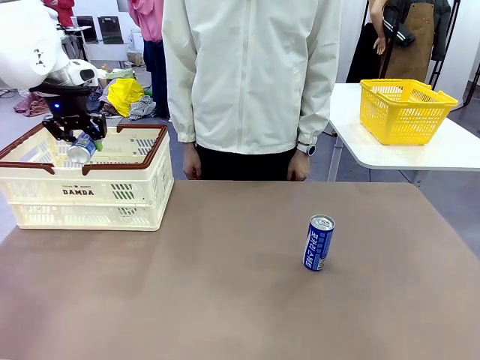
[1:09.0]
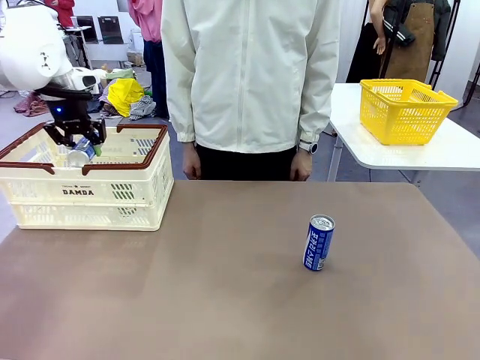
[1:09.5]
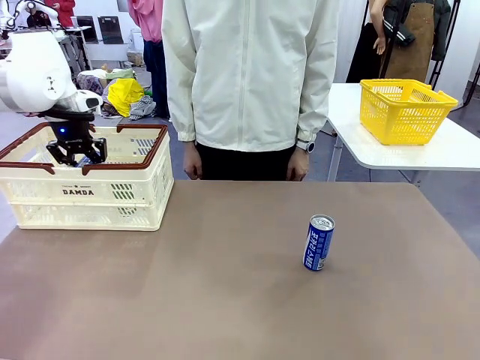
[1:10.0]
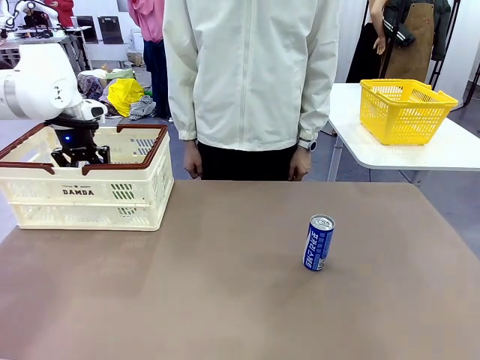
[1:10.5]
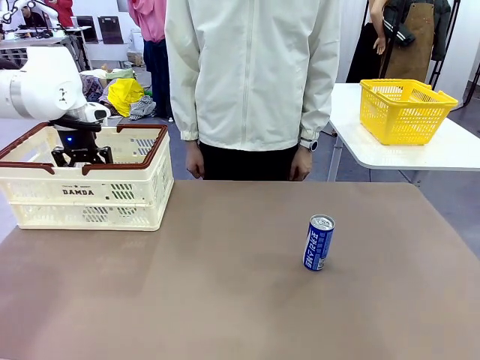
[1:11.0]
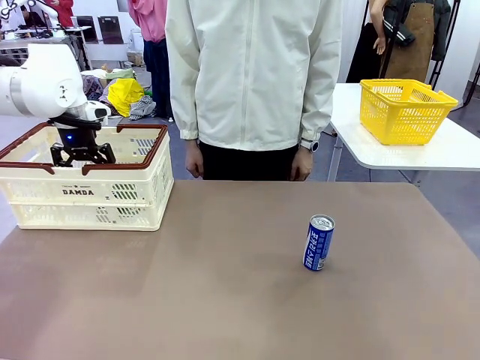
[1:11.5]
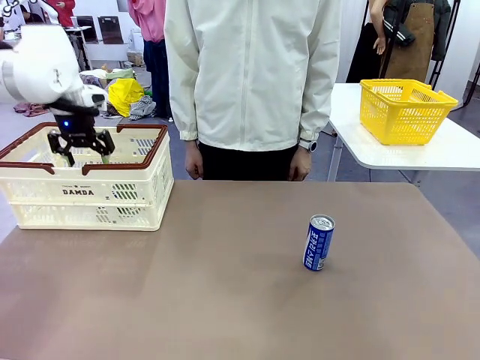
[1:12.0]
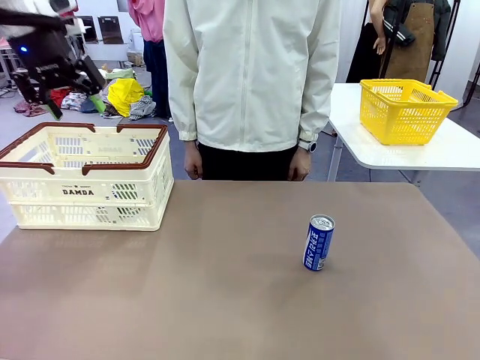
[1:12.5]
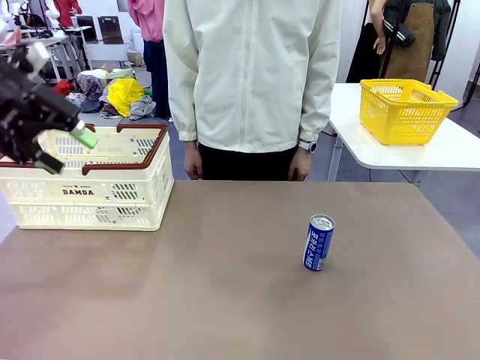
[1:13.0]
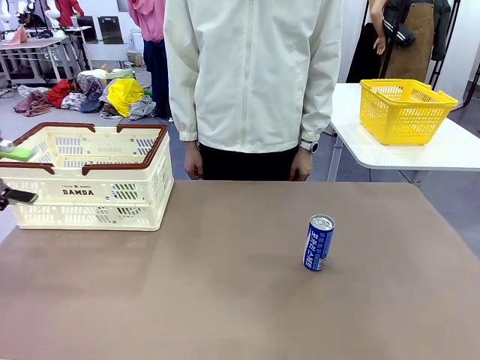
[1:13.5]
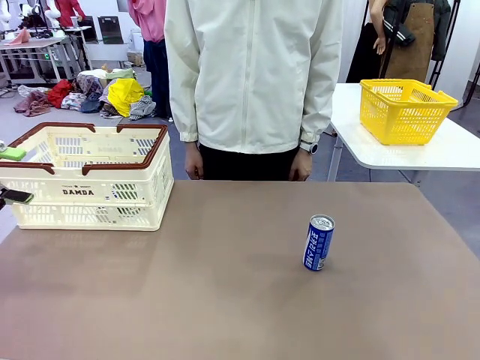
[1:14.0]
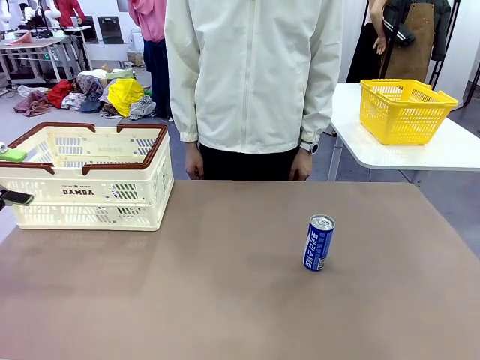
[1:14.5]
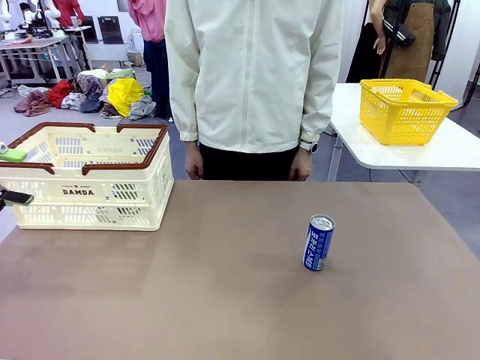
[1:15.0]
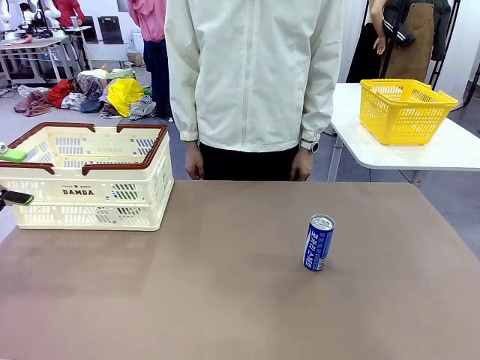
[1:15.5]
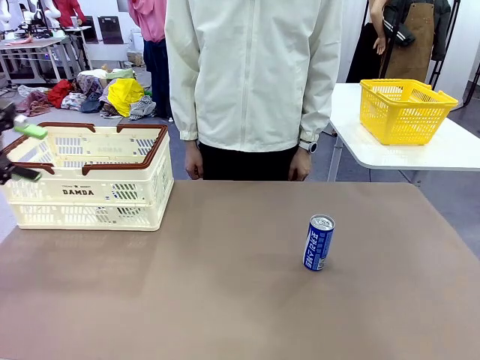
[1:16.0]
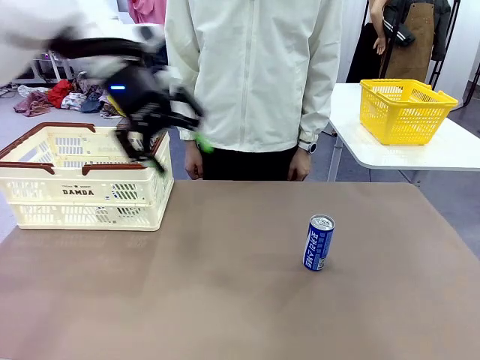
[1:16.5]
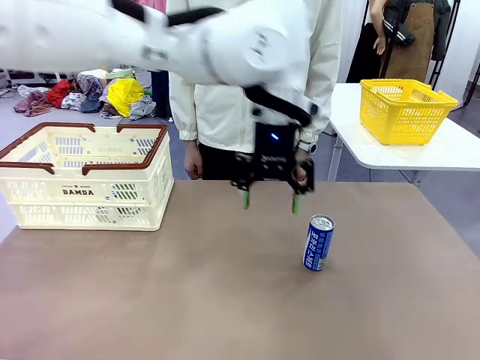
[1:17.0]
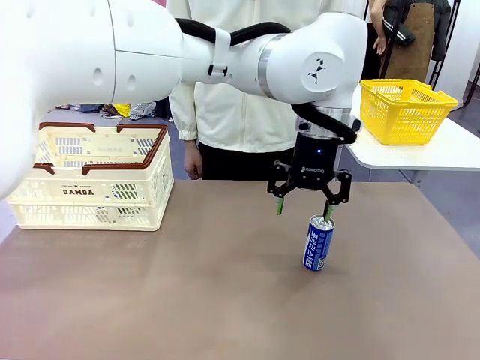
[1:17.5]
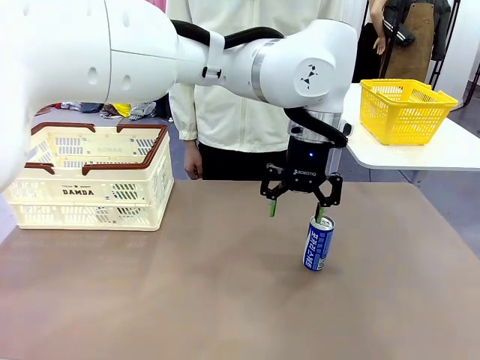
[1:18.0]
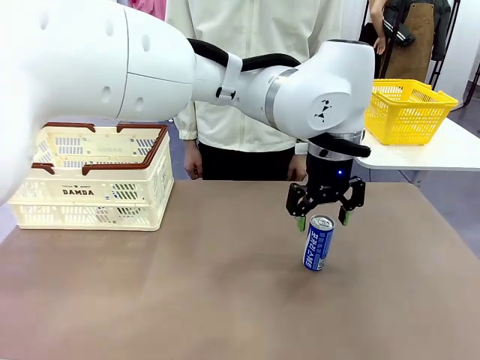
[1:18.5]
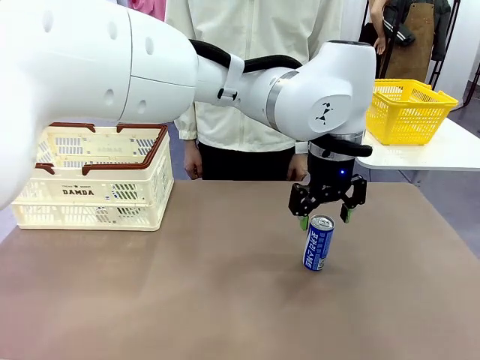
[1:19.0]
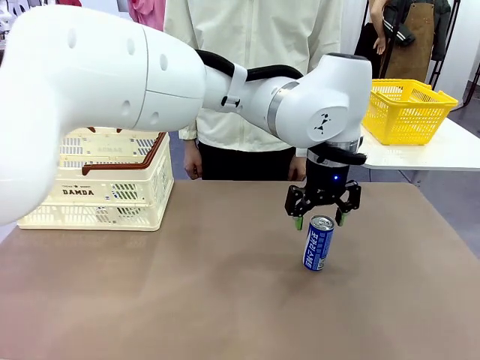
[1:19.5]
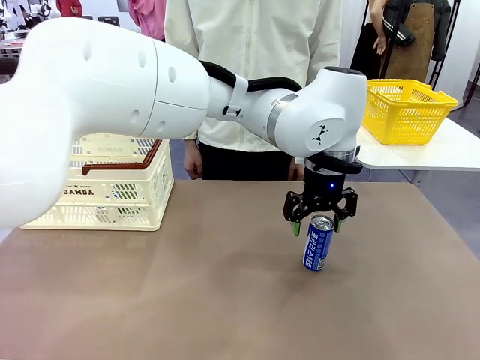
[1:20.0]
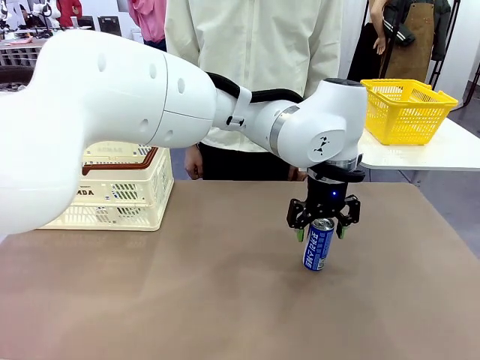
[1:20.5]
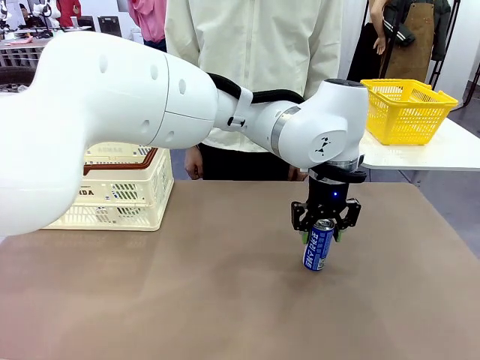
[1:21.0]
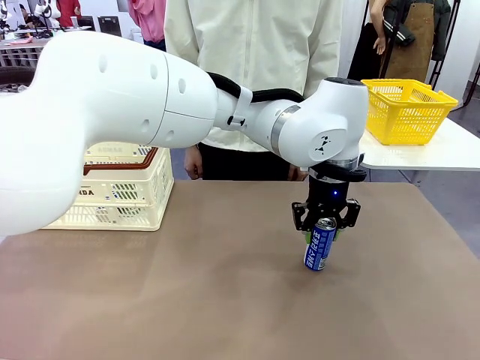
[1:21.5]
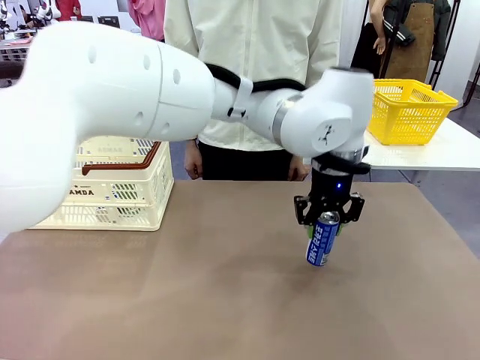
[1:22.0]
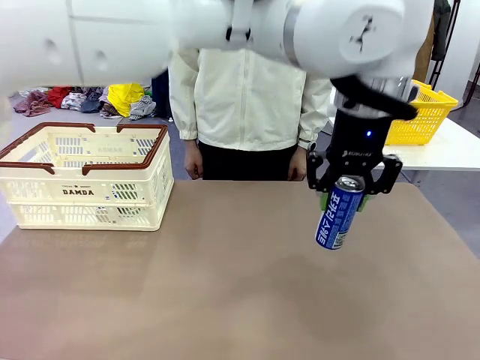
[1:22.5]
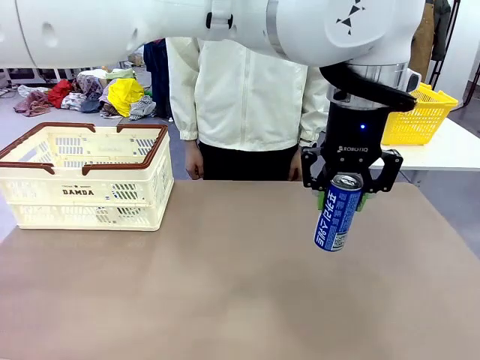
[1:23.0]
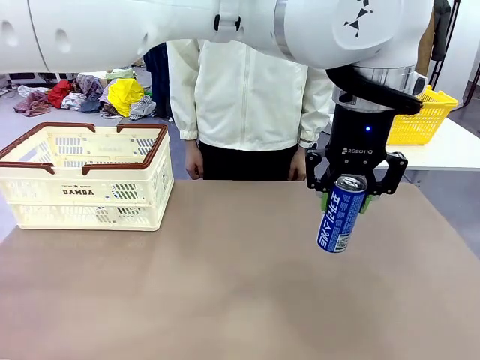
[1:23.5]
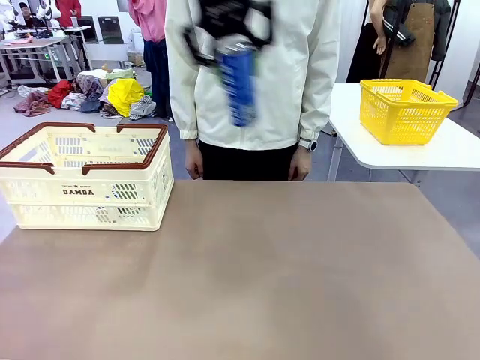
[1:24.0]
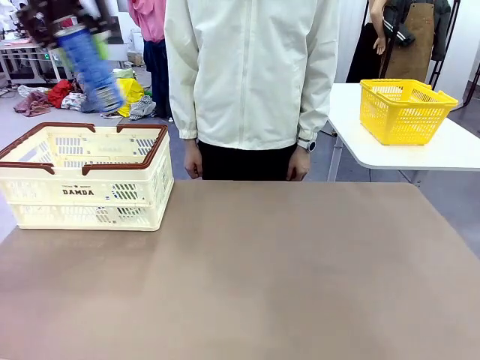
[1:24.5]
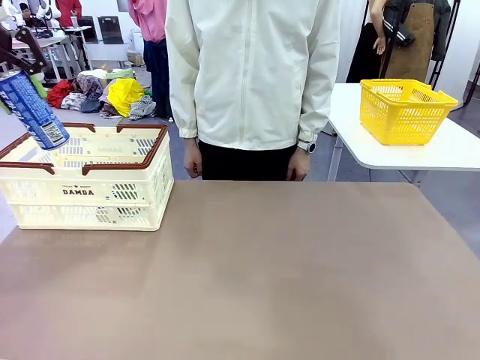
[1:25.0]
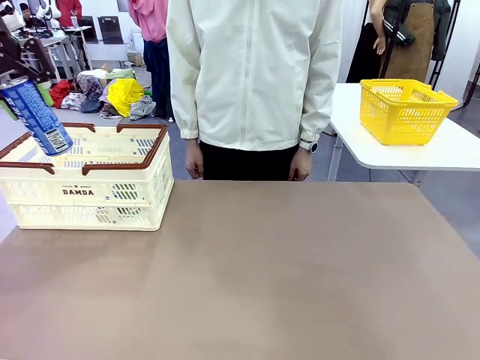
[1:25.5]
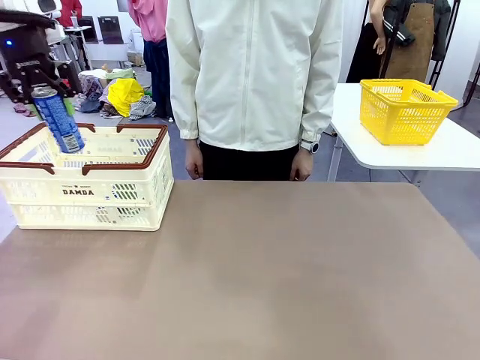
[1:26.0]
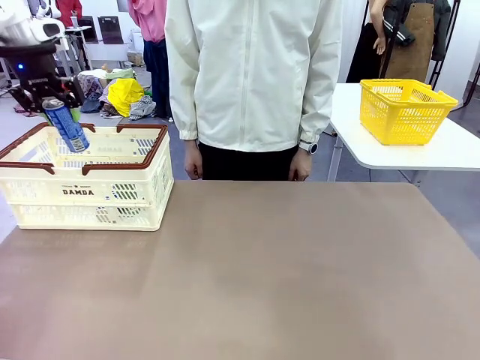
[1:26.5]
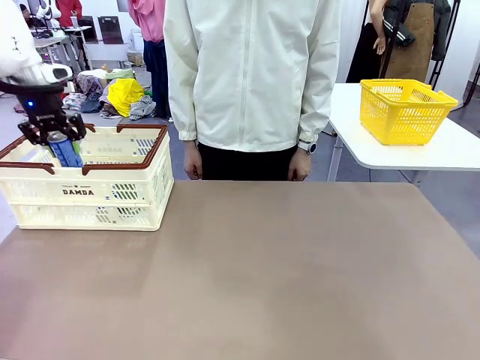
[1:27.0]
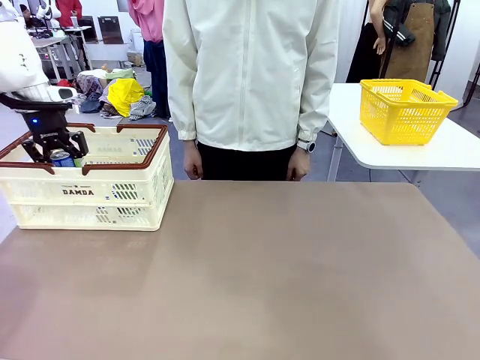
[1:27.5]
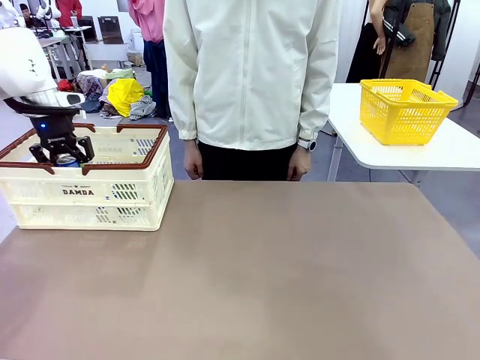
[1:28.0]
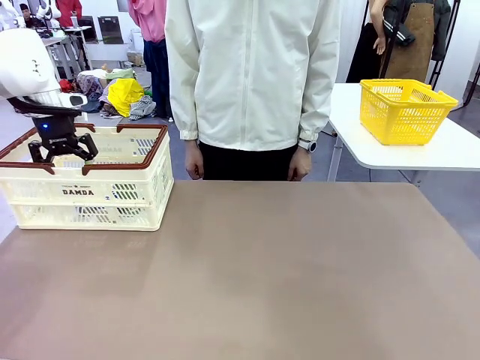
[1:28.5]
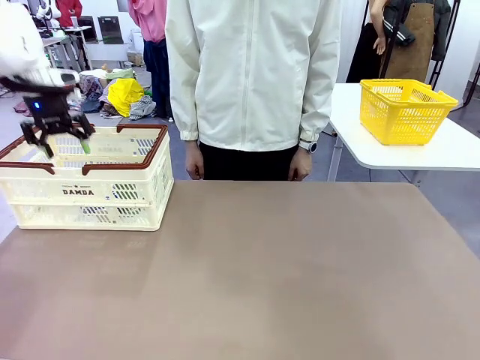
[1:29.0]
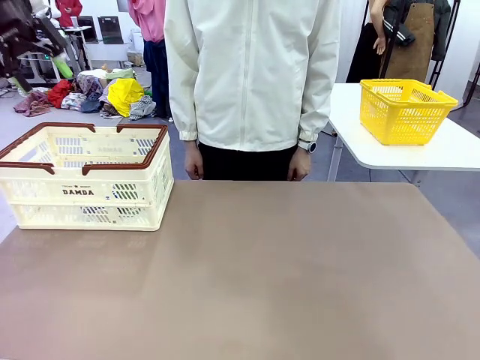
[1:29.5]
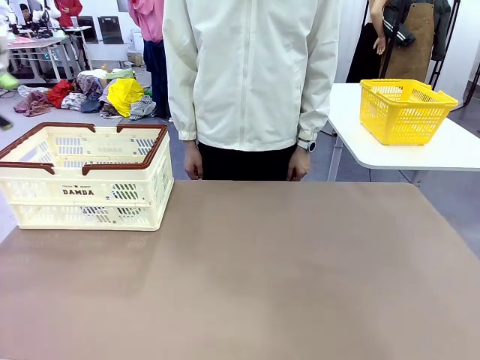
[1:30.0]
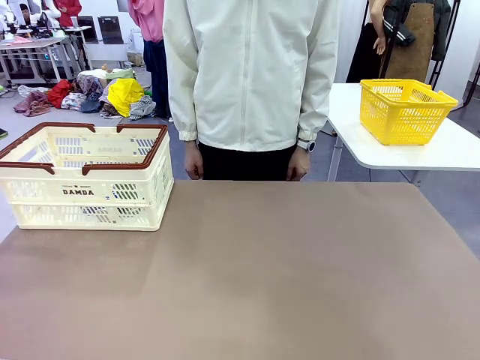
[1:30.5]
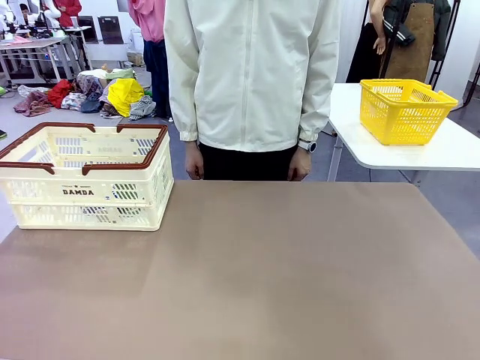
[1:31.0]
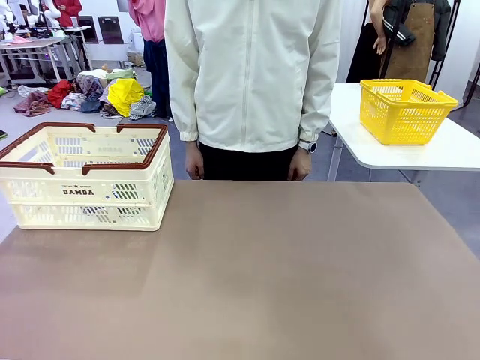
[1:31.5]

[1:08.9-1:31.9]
Task: Place the drinks into the Shopping basket.
Robot: Pick up one drink and place it into the Shopping basket.

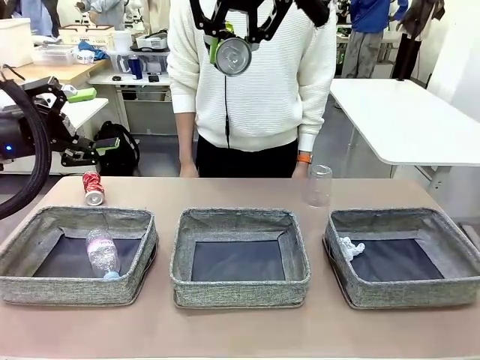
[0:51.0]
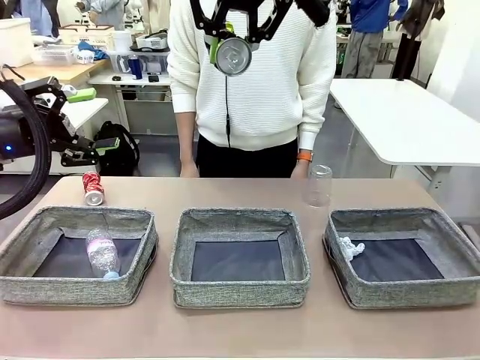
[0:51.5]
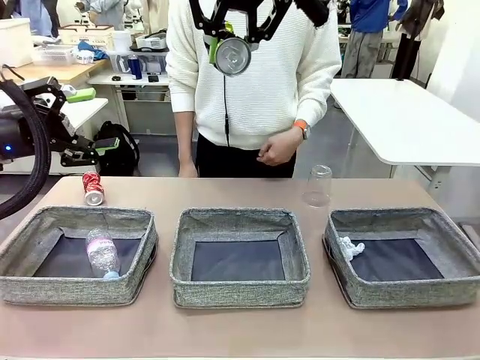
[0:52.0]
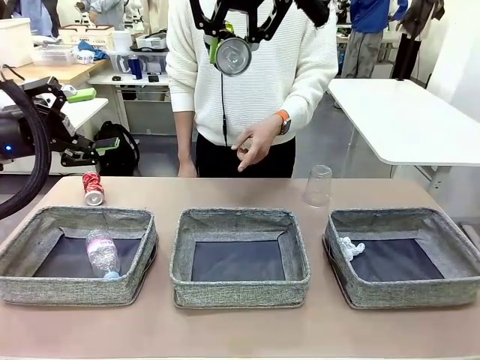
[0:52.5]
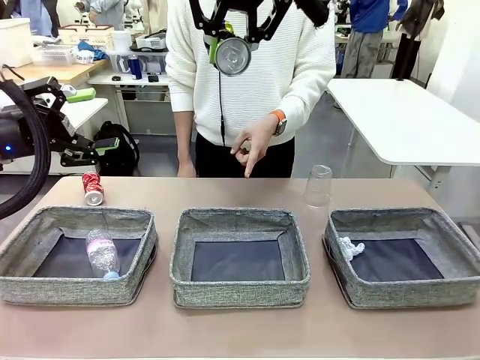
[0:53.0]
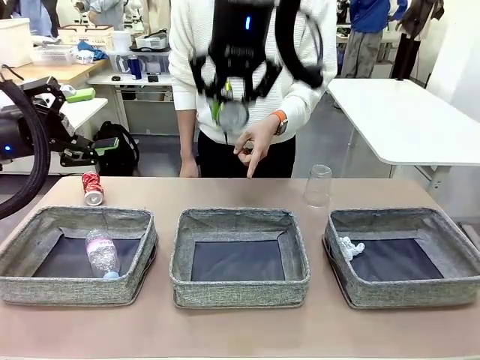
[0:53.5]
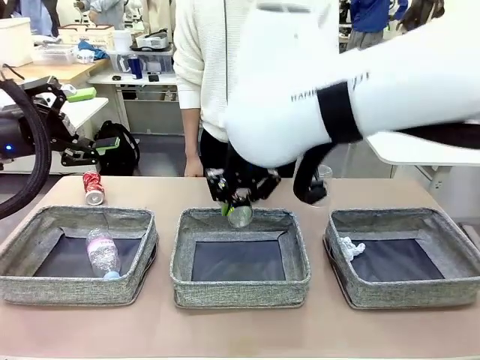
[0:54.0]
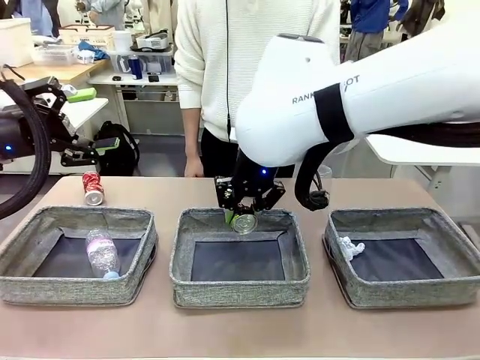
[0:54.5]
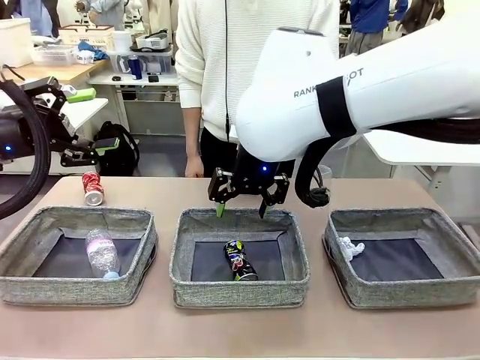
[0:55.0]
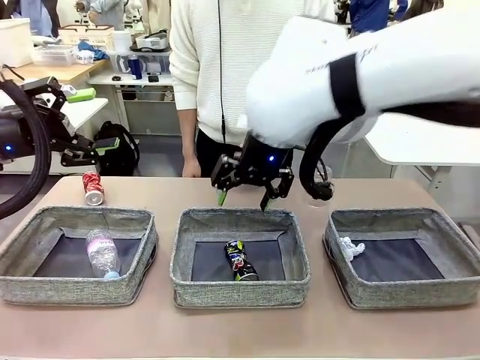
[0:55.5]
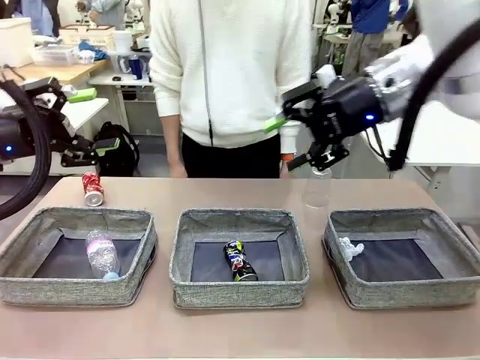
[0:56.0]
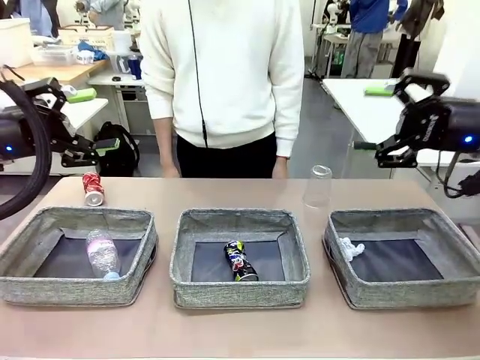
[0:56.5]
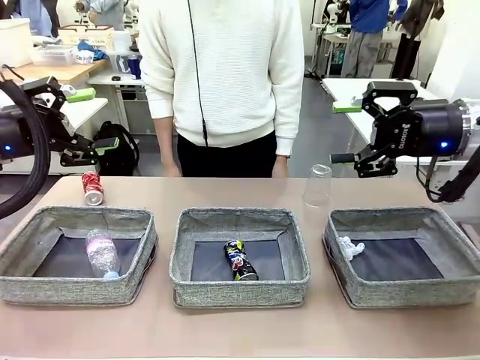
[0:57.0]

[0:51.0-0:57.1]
Task: Sort the waste into the appropriate baskets.
Robot: Place the picked waste into the Fabric basket indicated by the person.
Person: Instructs the robot to place the picked-up trash into the appropriate organizing basket.
